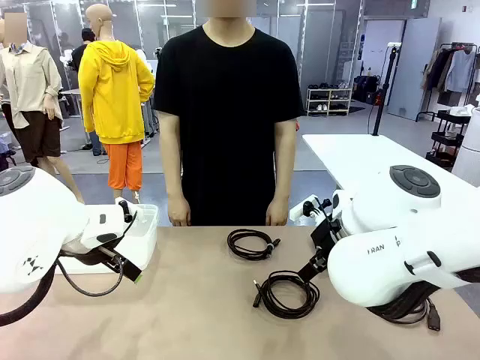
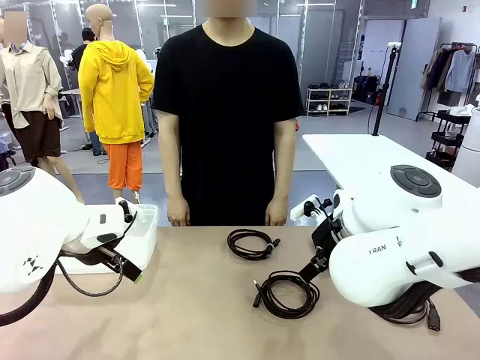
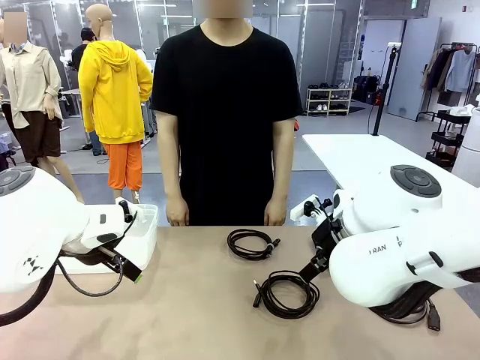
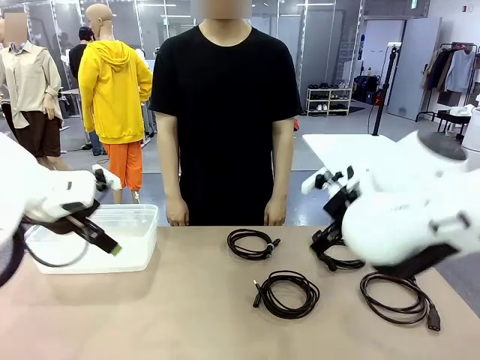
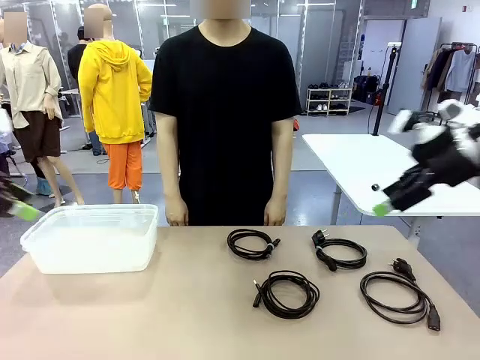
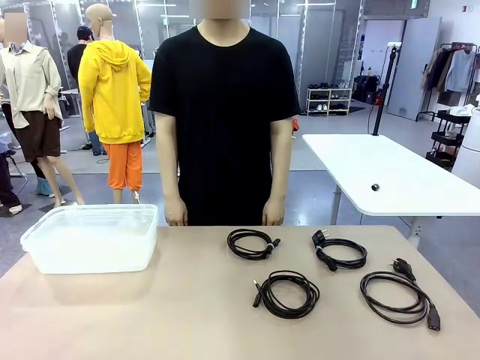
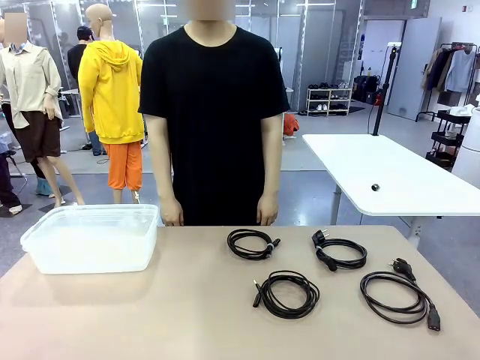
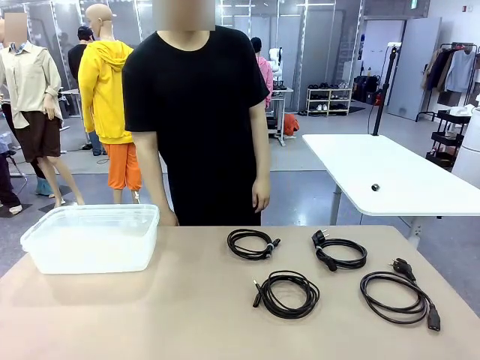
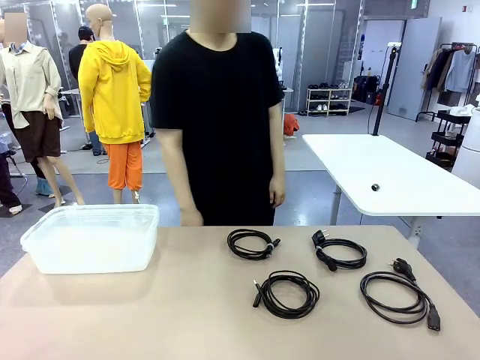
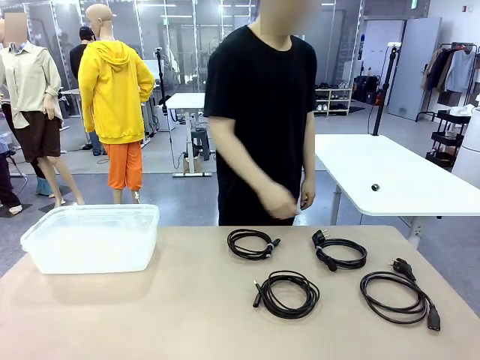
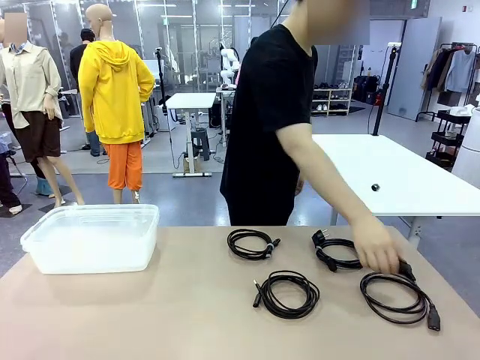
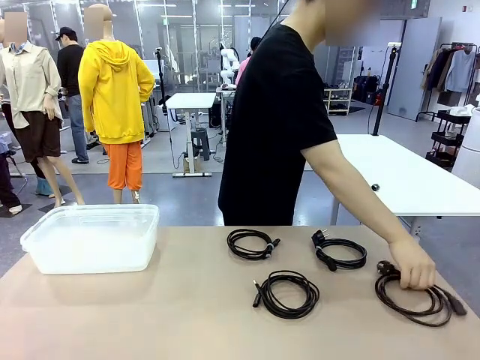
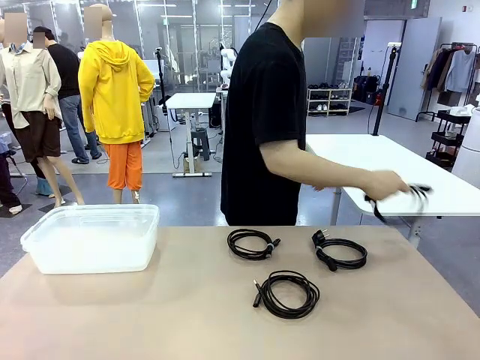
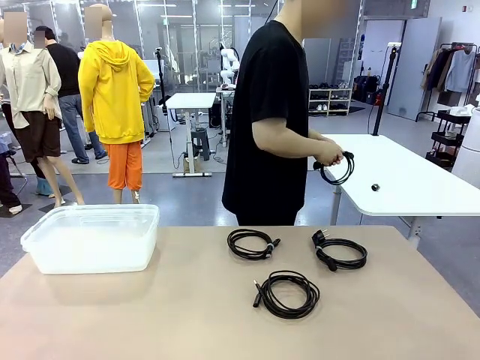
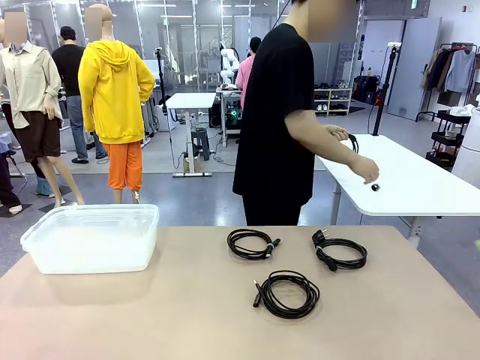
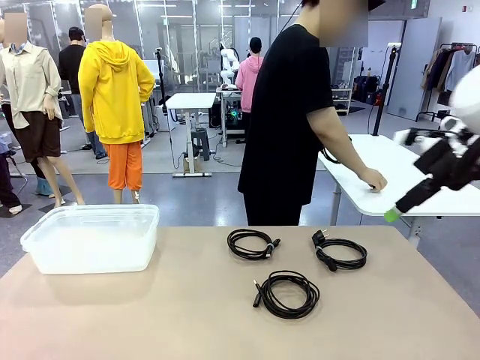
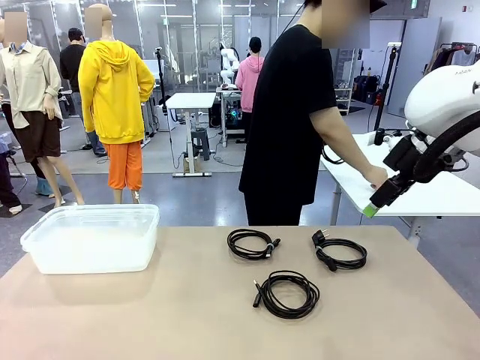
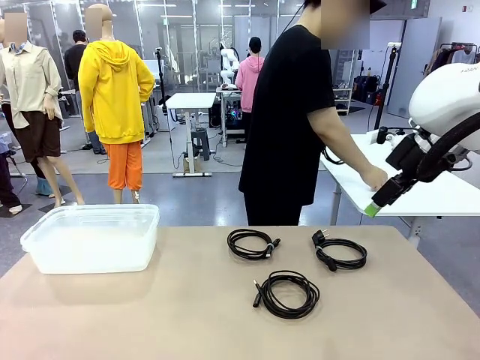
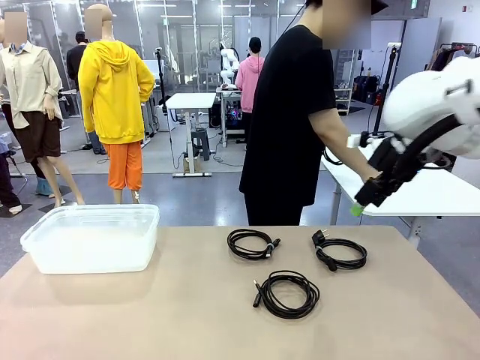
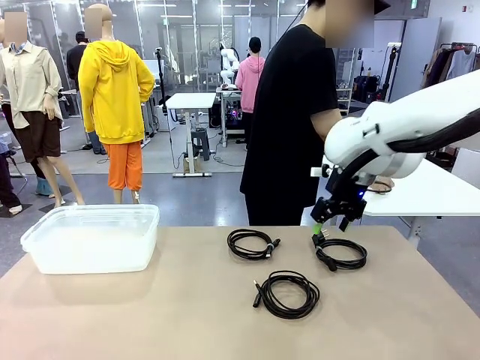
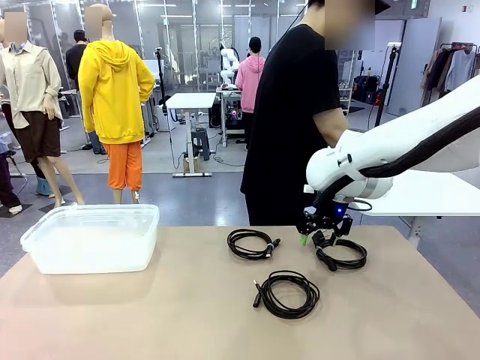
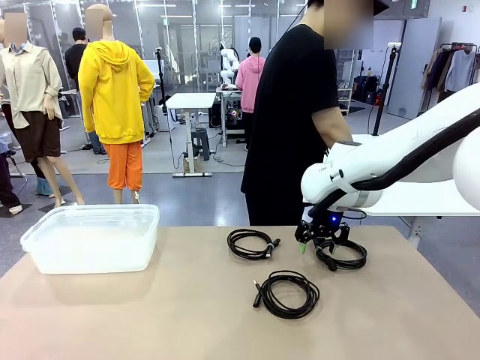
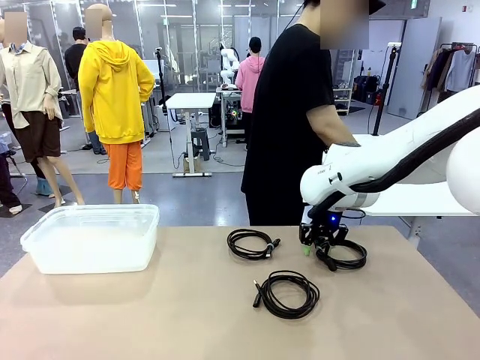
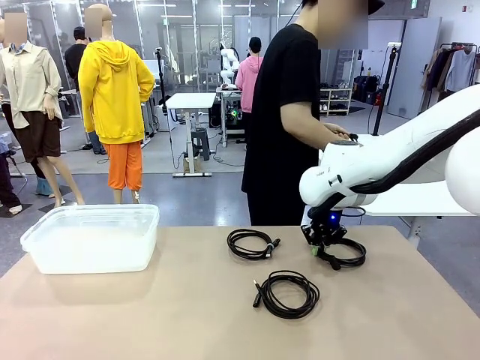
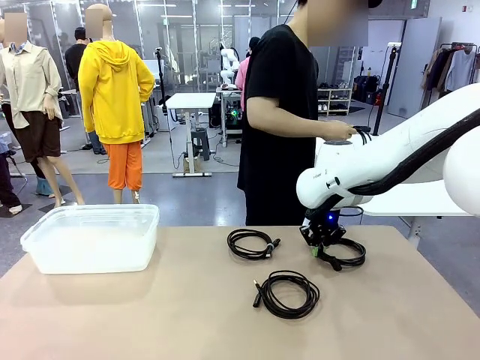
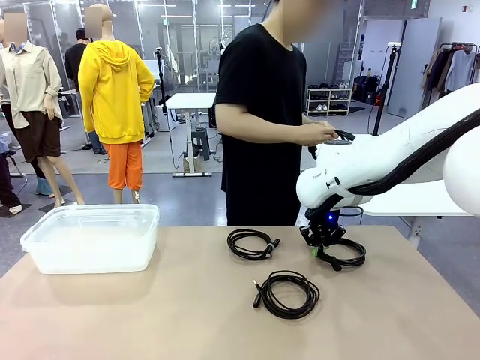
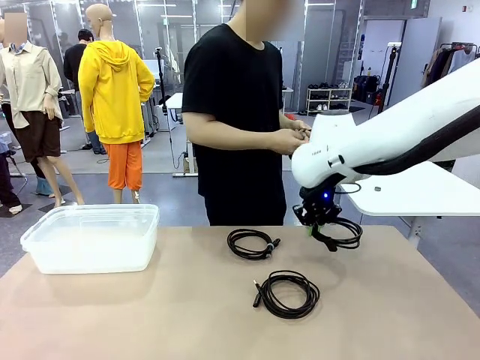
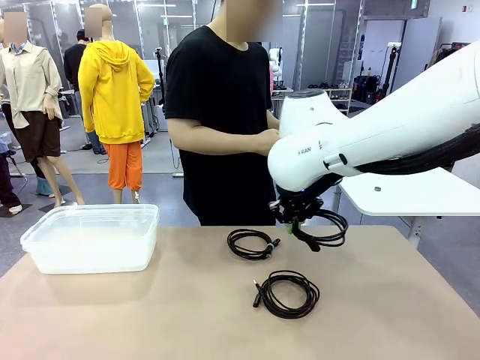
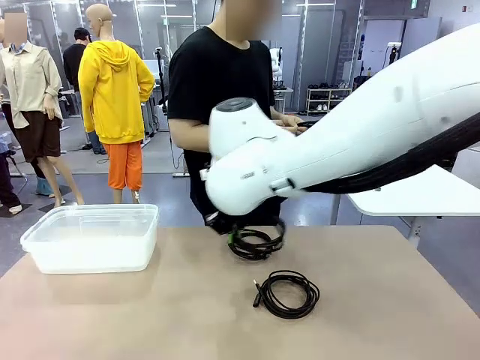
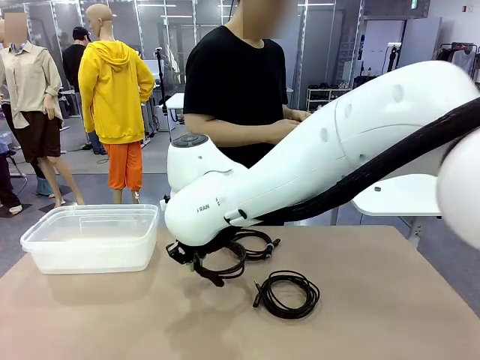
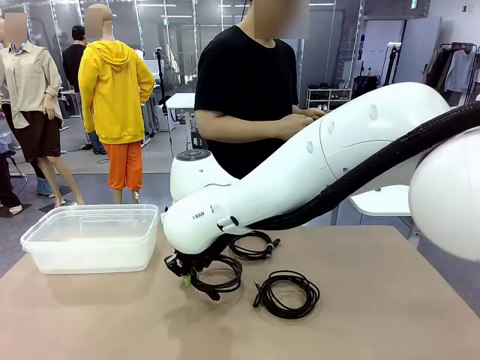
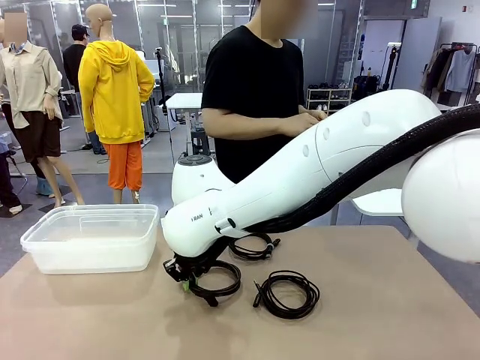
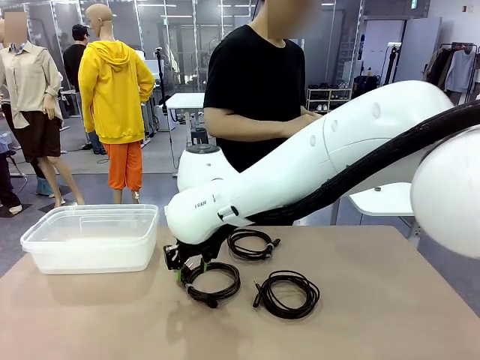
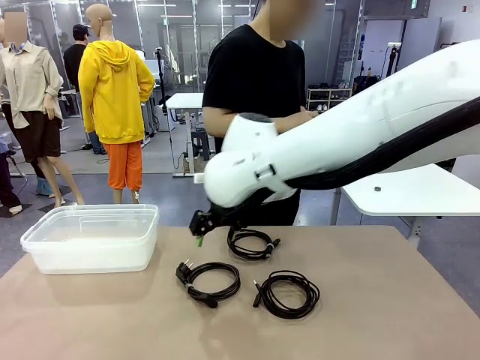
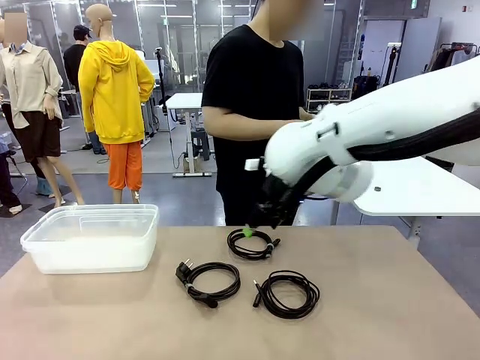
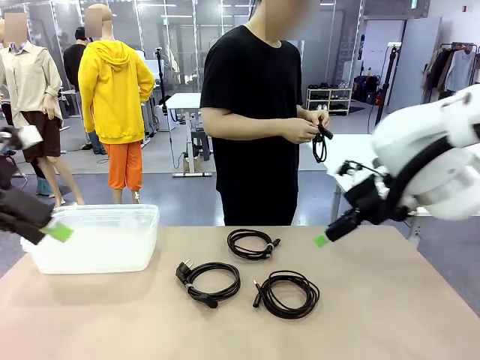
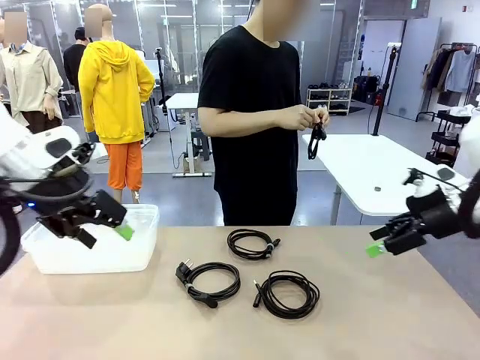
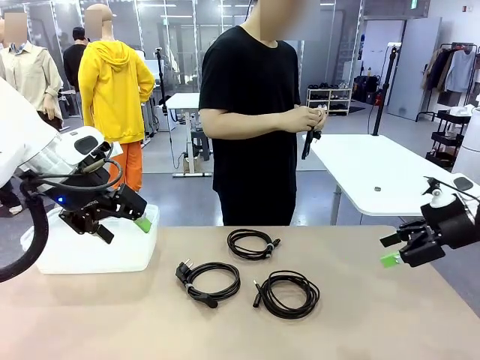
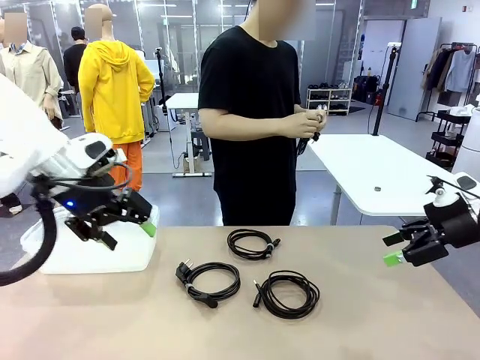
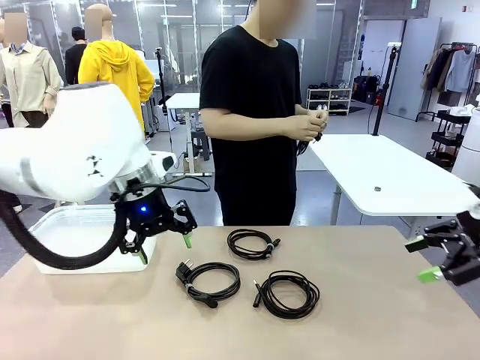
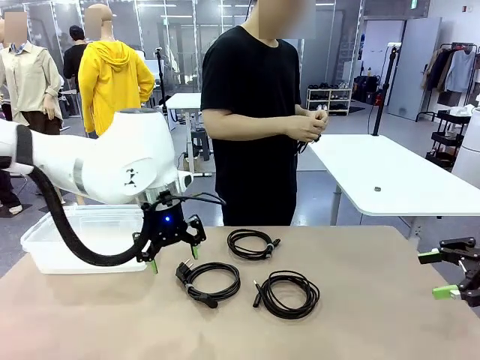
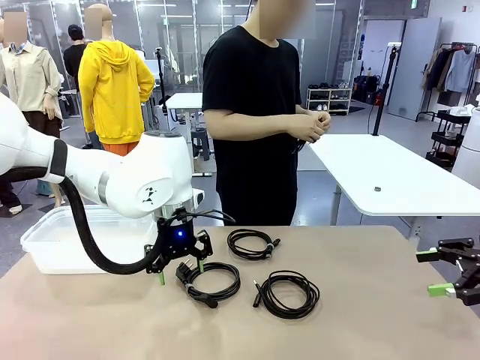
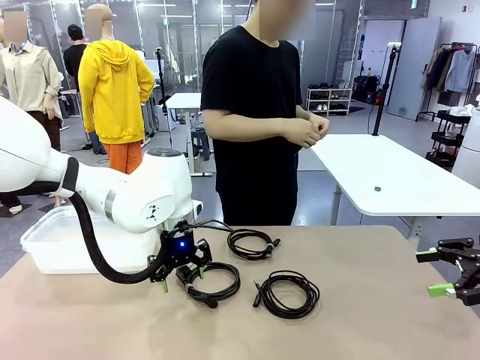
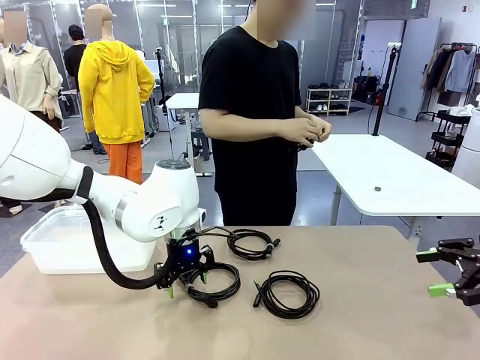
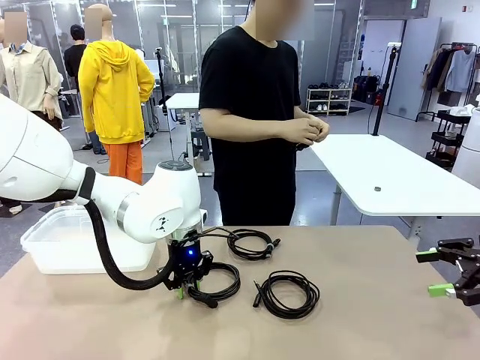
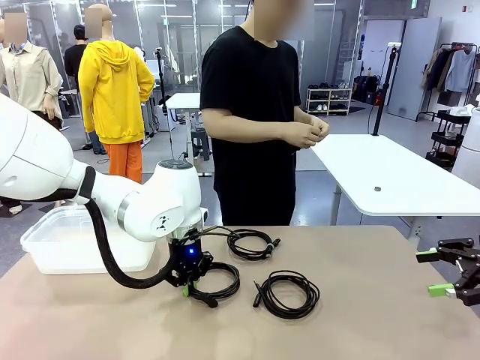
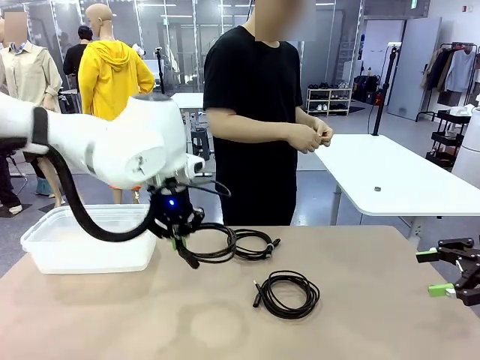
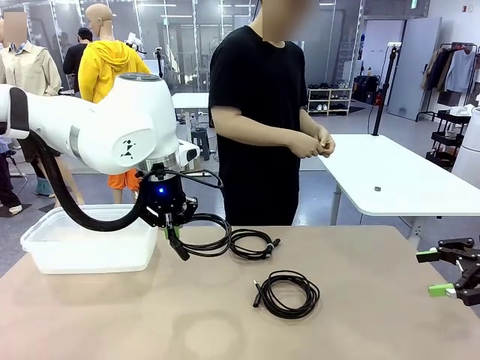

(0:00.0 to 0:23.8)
Task: Organize and store the cables.
Robot: Place the Power Cable into the Organizing box.
Person: Tie one Power Cable with a Reusable Cable Tie.
